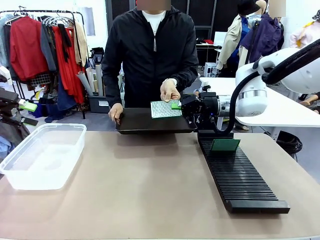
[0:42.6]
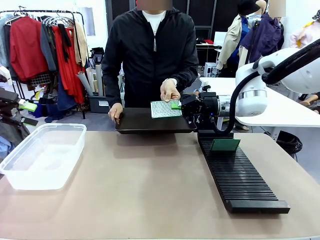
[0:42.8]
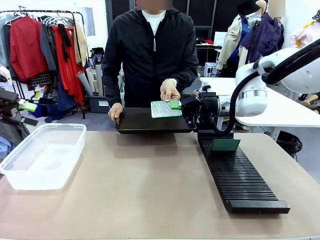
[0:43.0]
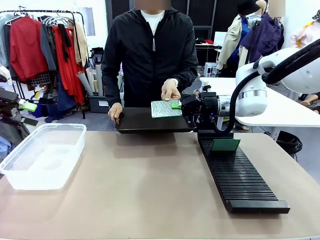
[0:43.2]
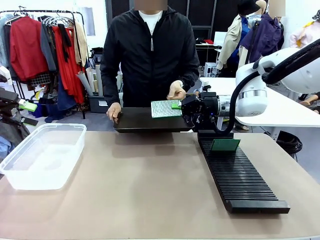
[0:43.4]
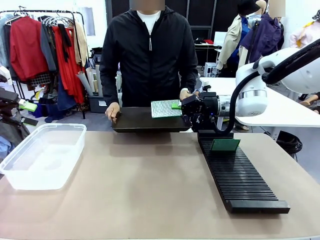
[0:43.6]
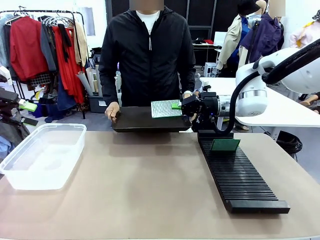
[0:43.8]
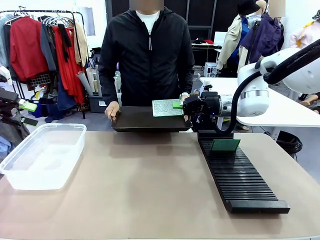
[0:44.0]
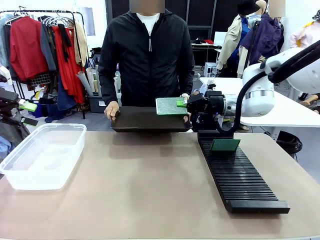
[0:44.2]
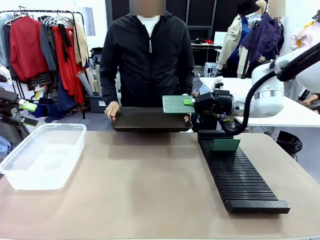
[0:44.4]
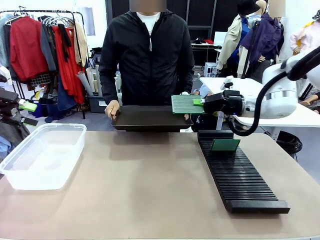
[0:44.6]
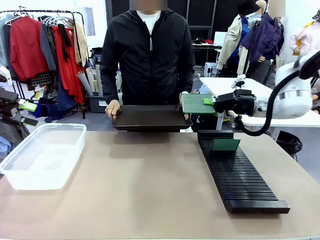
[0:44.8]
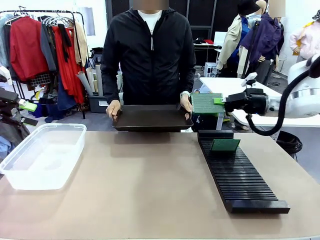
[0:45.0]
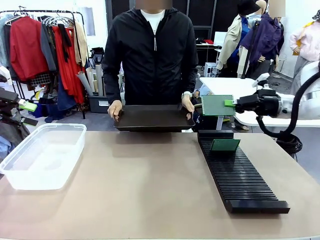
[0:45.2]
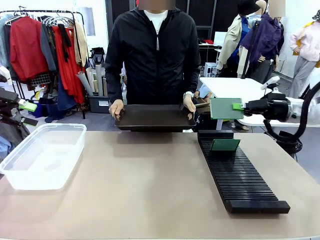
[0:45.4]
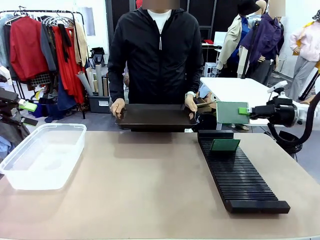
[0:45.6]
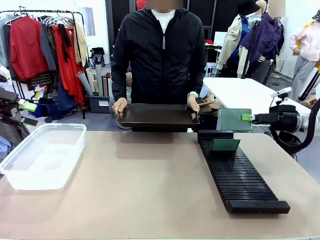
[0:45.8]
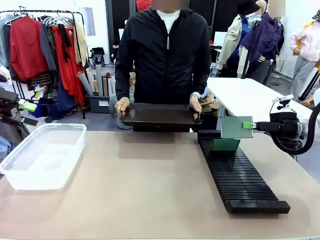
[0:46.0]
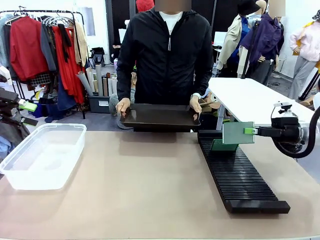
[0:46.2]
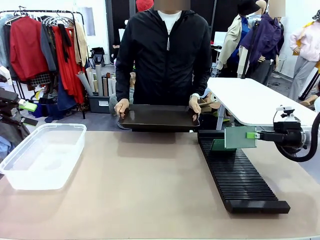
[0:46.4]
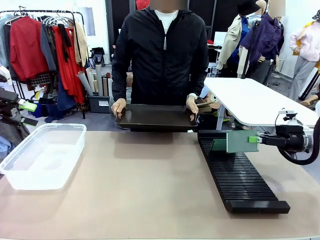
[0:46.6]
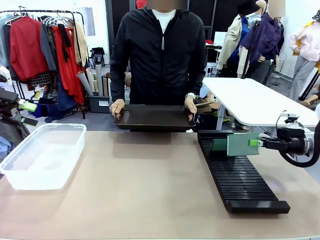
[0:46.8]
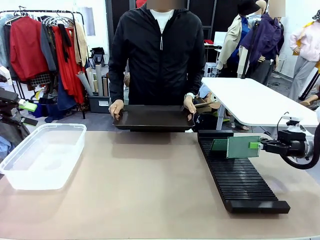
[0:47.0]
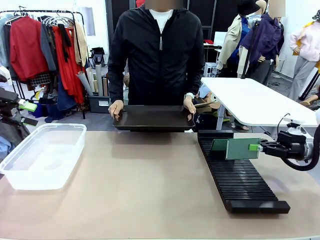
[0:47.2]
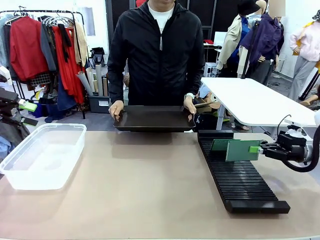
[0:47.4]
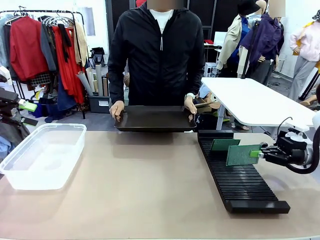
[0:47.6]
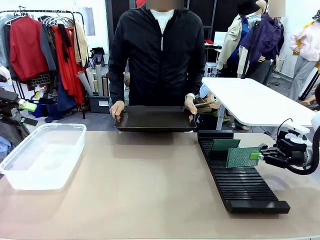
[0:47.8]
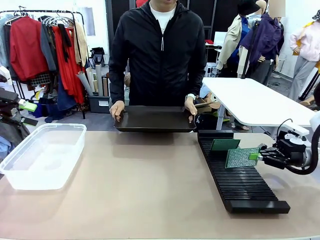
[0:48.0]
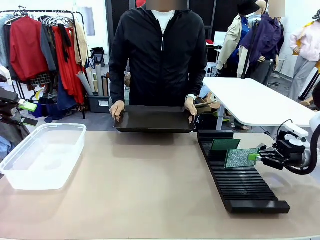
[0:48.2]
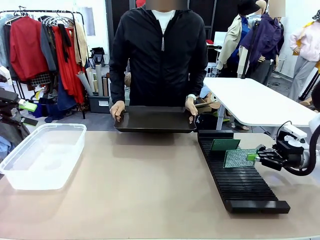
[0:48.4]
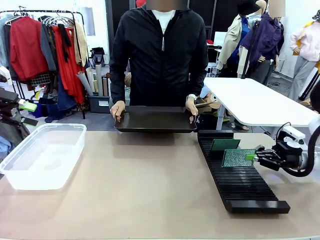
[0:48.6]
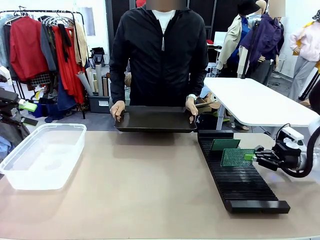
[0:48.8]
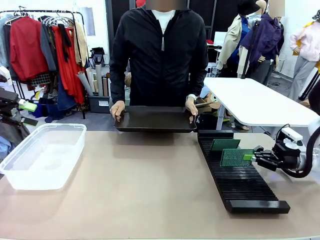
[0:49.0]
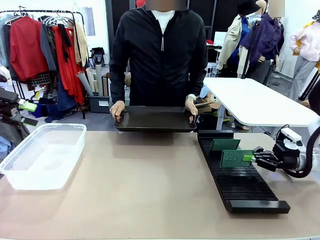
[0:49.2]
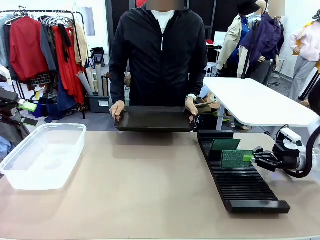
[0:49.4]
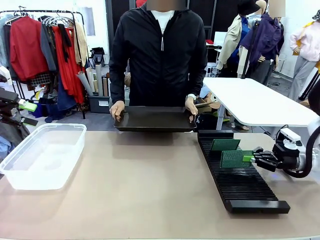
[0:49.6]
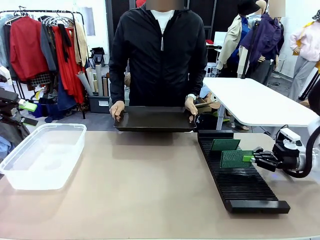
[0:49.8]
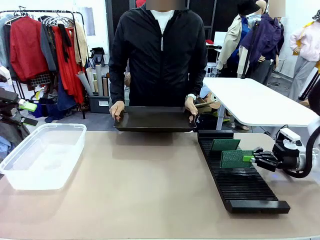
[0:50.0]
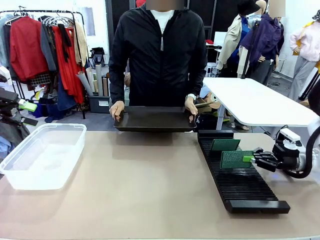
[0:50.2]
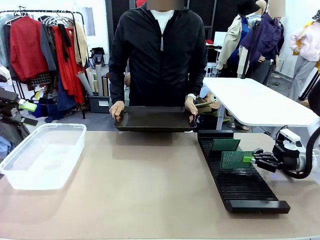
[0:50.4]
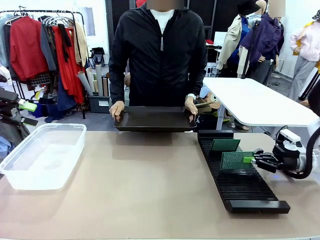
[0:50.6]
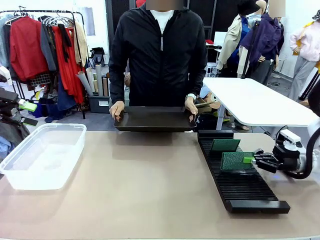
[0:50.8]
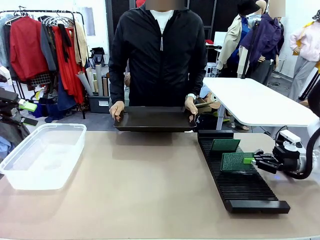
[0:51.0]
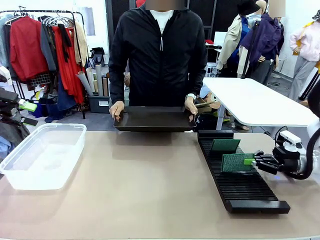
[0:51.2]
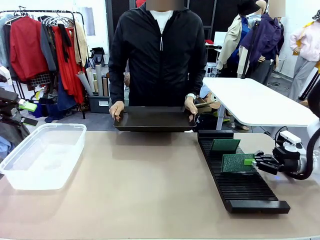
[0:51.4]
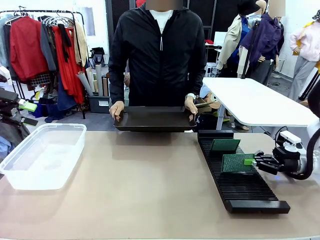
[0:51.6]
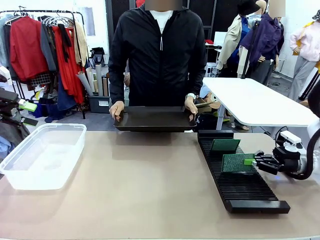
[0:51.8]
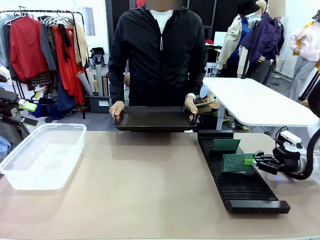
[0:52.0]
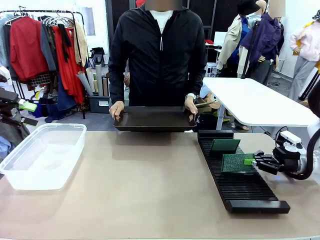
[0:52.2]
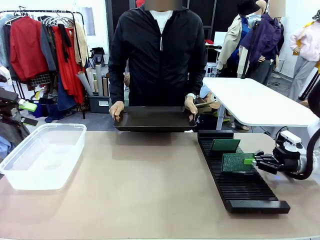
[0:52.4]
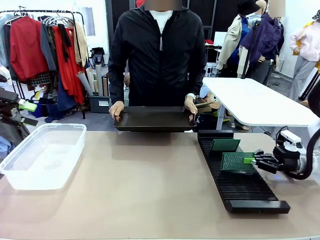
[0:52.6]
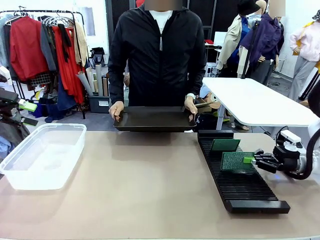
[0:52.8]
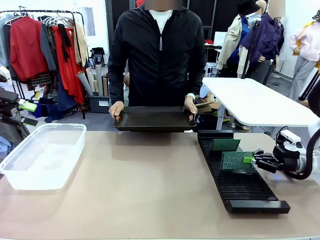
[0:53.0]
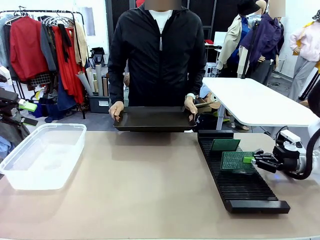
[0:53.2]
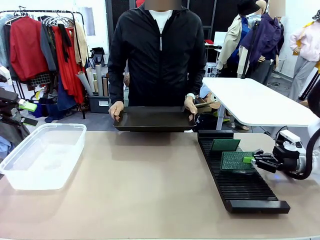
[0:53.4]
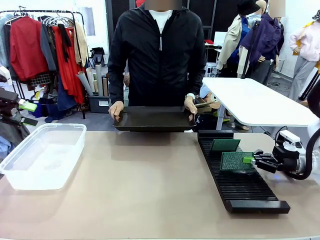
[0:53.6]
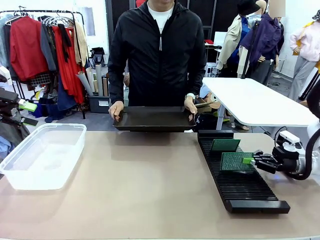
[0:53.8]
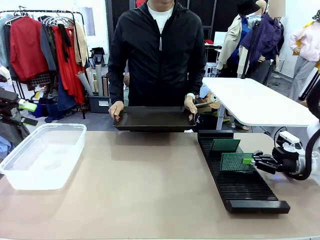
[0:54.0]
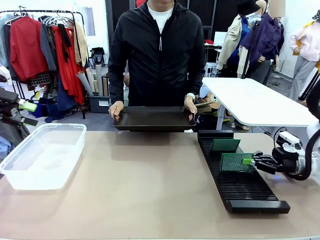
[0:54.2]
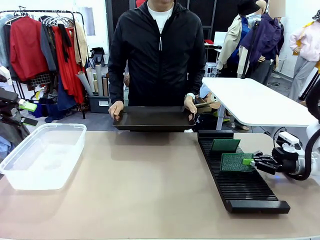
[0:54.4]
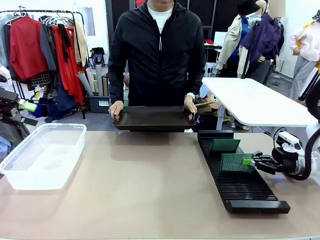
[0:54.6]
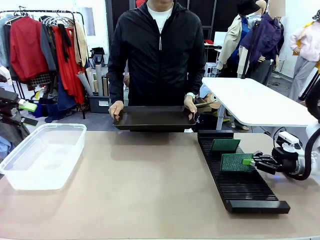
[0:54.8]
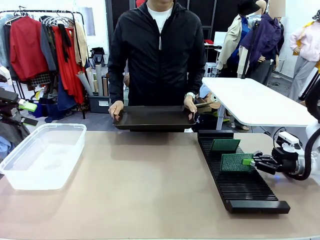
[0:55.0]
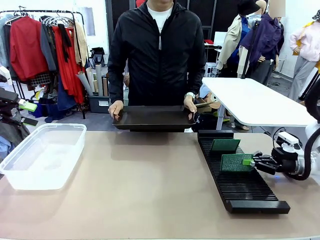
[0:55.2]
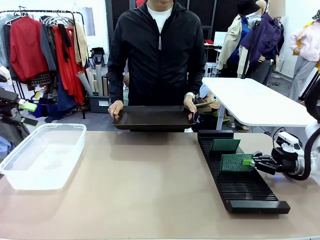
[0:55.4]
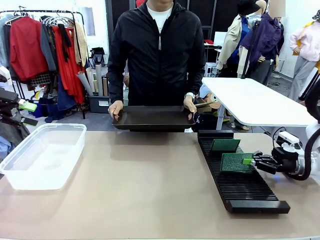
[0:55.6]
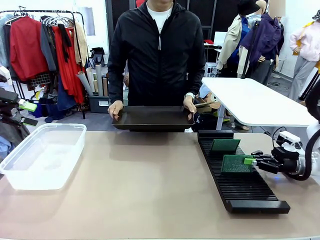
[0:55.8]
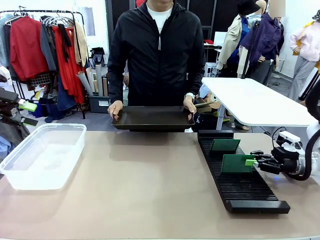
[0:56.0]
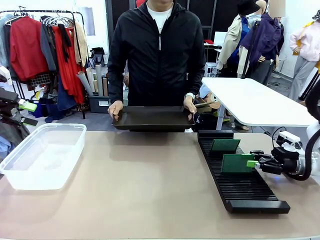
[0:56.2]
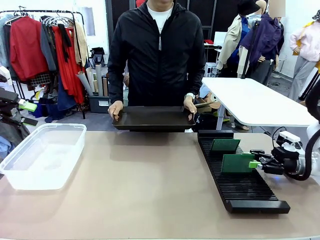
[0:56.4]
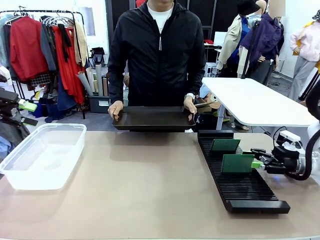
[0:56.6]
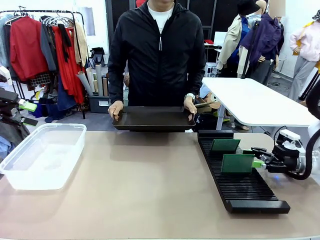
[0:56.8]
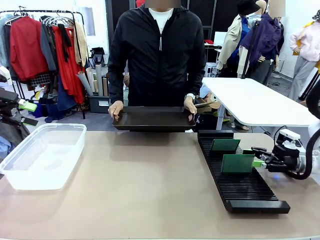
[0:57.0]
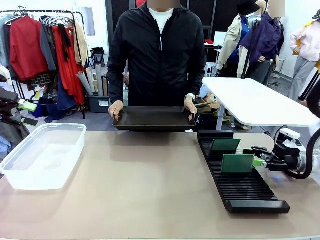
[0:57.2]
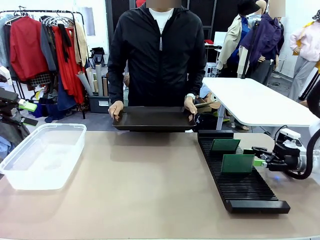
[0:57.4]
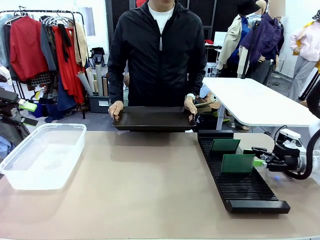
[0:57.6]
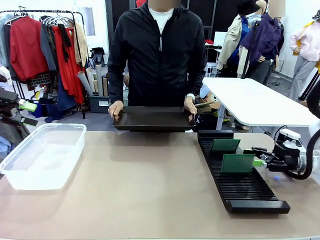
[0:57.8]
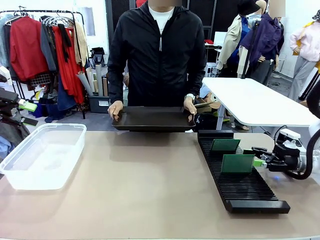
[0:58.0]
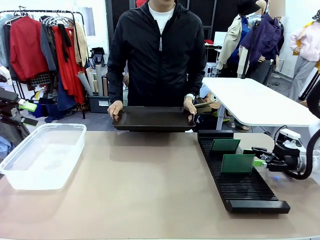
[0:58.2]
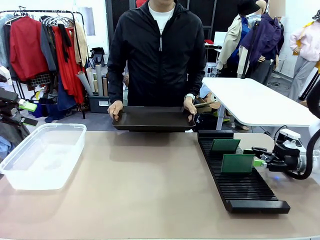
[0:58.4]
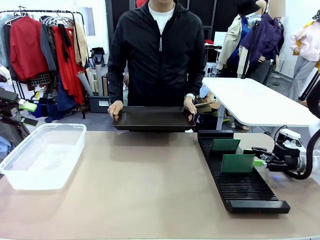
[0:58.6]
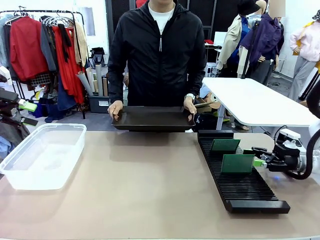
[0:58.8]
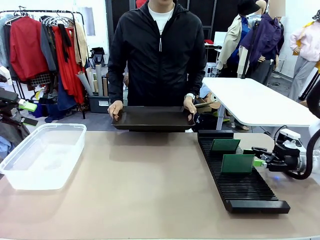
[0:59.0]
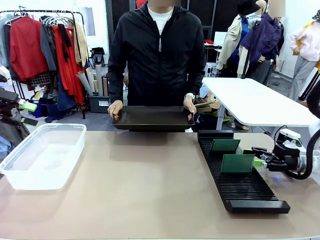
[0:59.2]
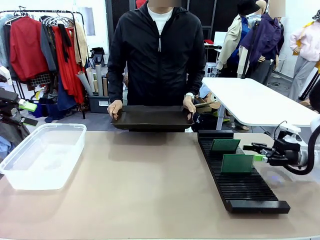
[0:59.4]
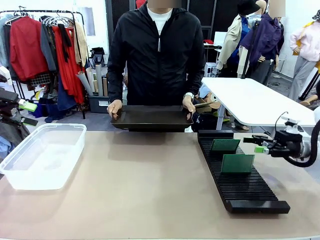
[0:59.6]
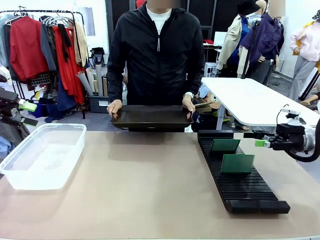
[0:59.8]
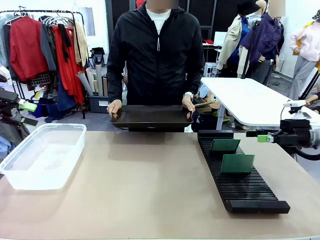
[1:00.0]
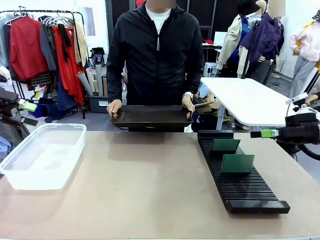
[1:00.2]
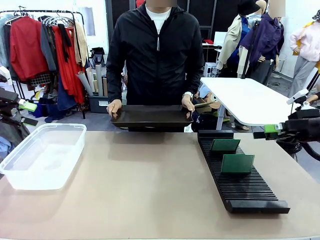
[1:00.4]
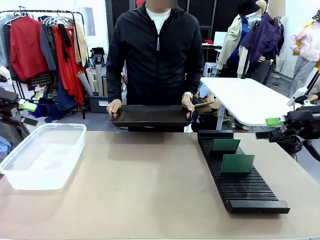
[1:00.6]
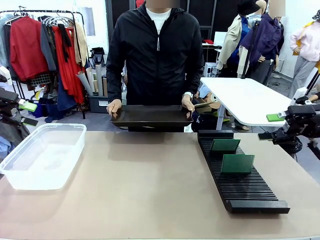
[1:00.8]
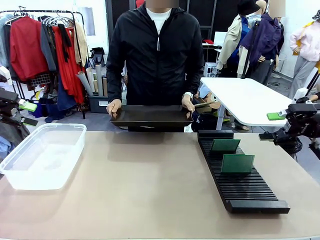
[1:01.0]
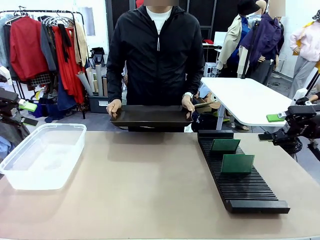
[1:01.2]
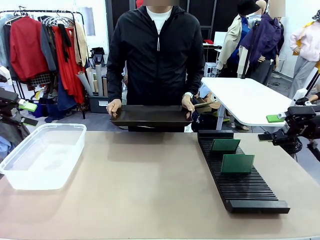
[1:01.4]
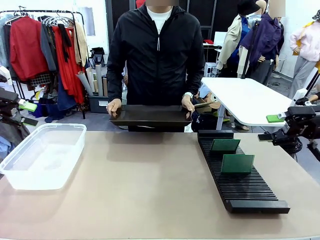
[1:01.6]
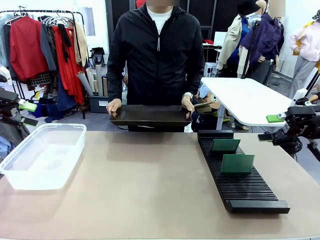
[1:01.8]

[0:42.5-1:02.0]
Task: Sort PCBs into racks and boxes based on the side picked up.
Robot: If the short side of the Blank PCB is picked up, insert it into the PCB Rack ; if the long side is picked up, place it in the Organizing box.
Person: Release the PCB being held.
